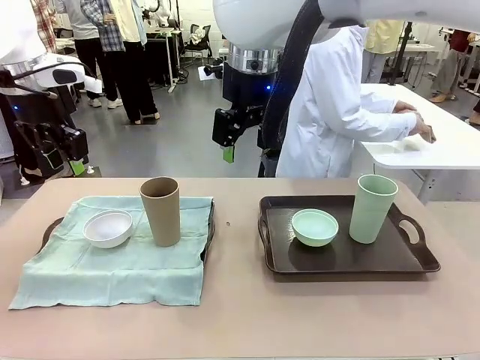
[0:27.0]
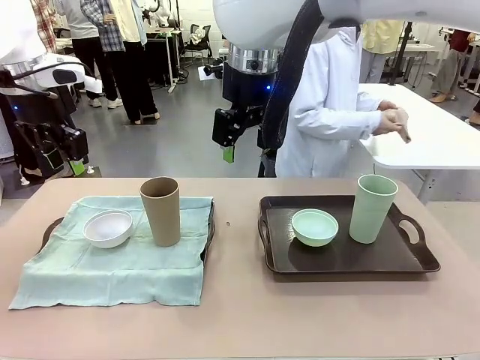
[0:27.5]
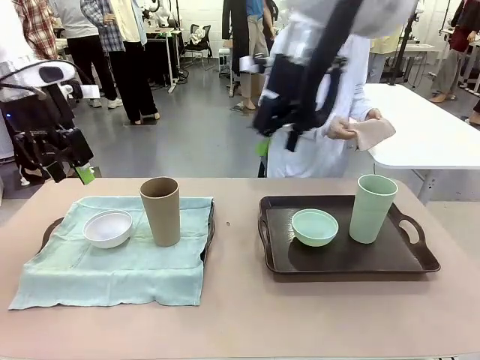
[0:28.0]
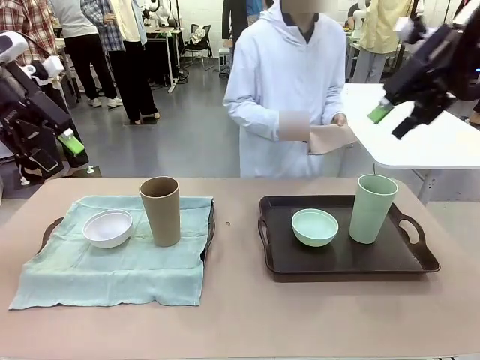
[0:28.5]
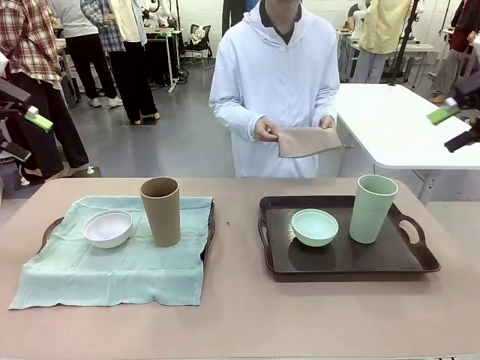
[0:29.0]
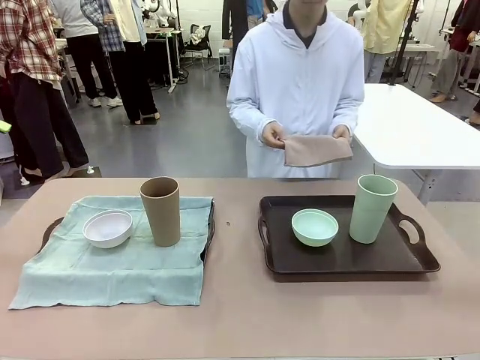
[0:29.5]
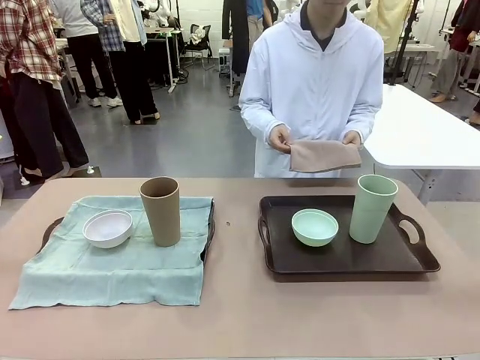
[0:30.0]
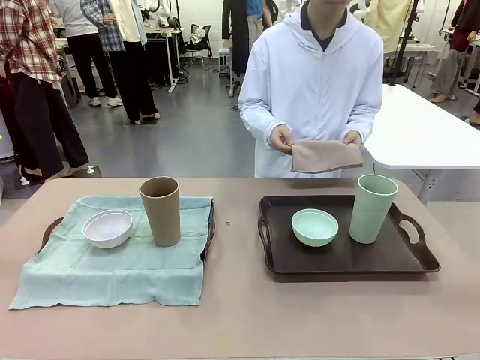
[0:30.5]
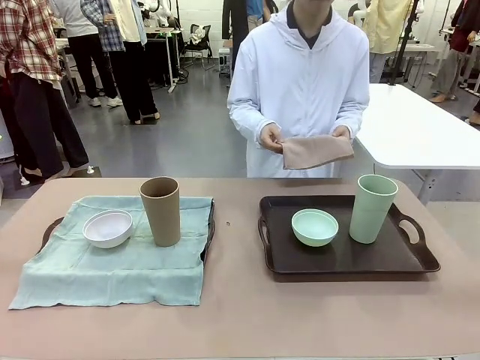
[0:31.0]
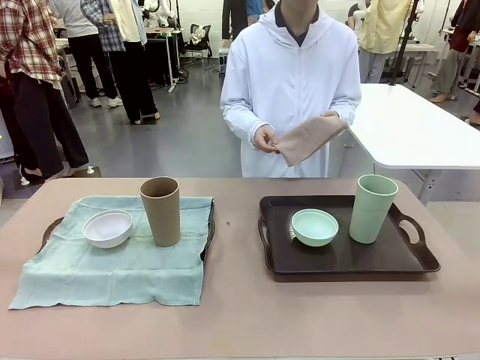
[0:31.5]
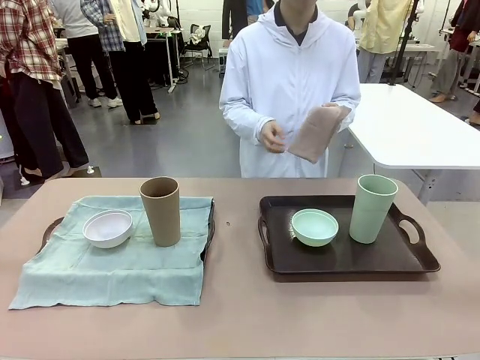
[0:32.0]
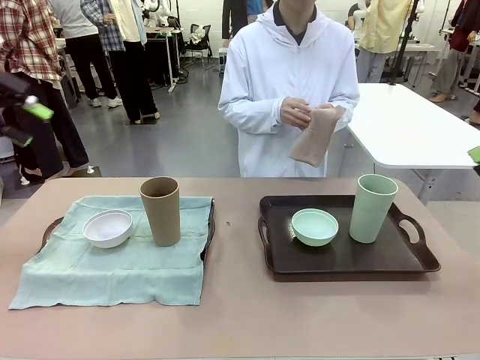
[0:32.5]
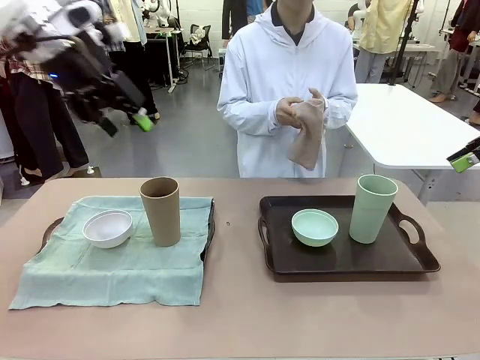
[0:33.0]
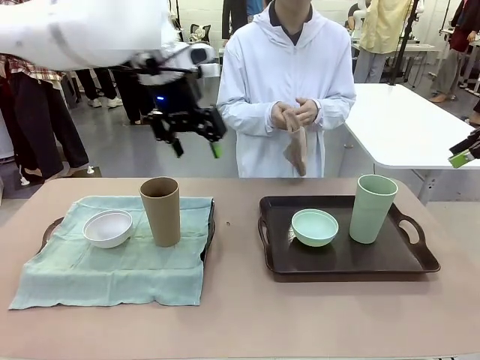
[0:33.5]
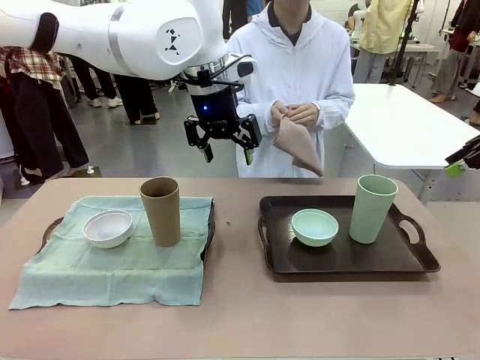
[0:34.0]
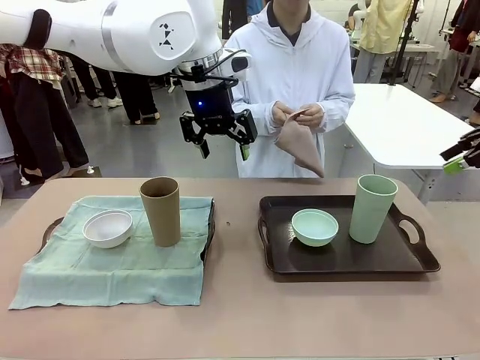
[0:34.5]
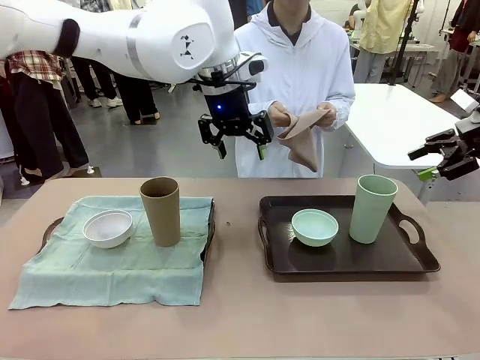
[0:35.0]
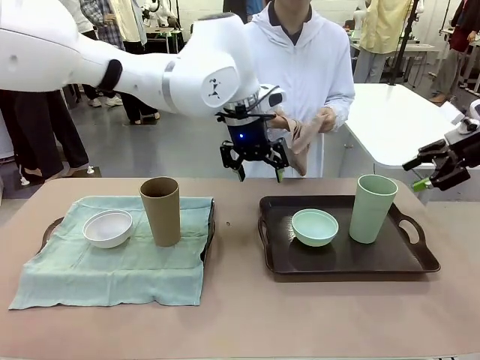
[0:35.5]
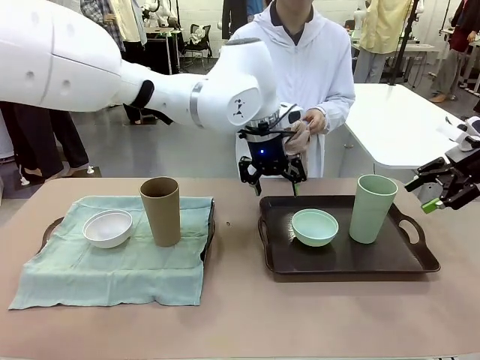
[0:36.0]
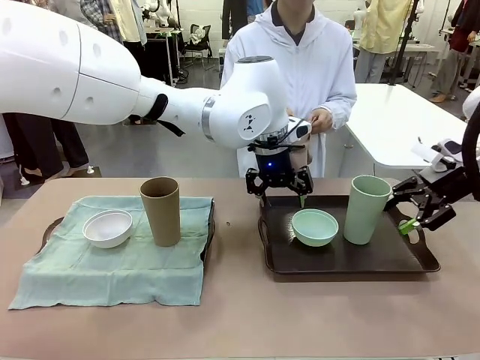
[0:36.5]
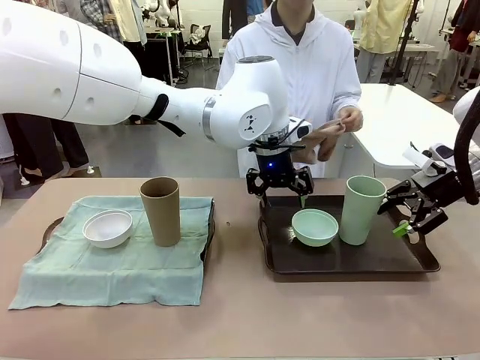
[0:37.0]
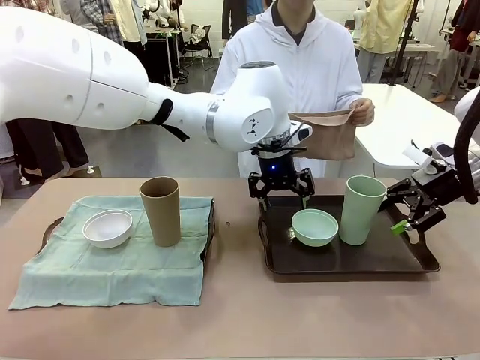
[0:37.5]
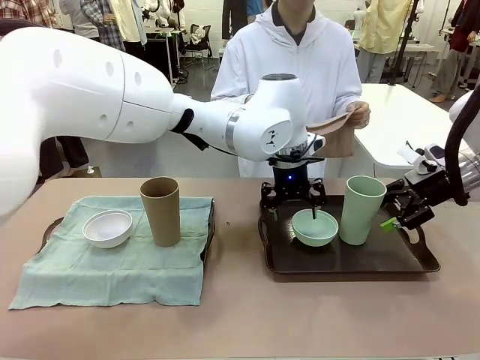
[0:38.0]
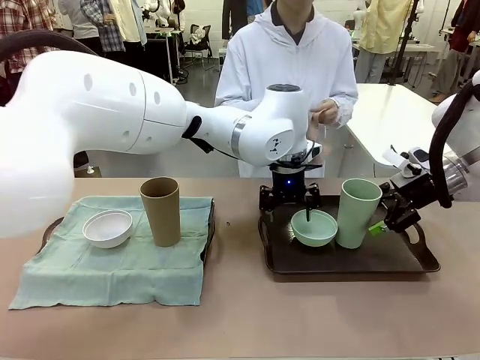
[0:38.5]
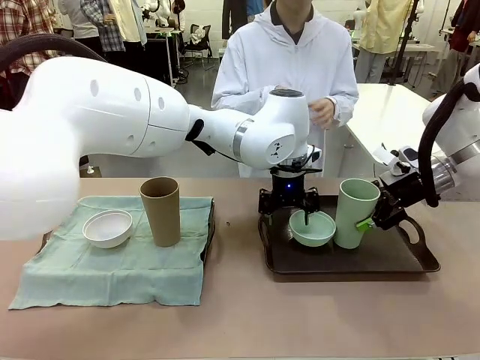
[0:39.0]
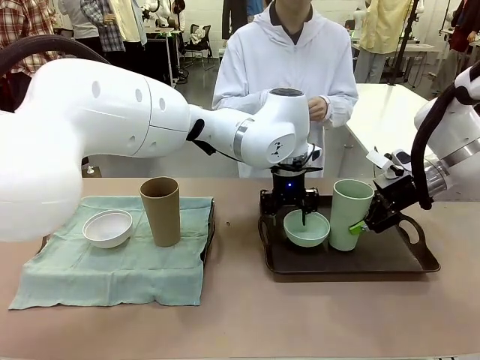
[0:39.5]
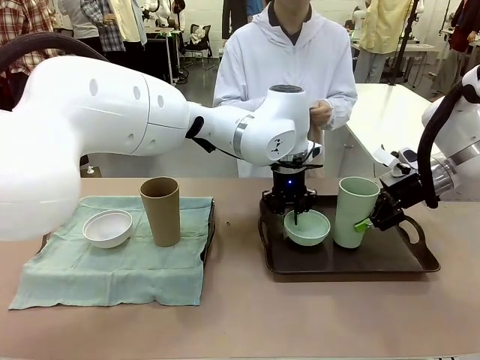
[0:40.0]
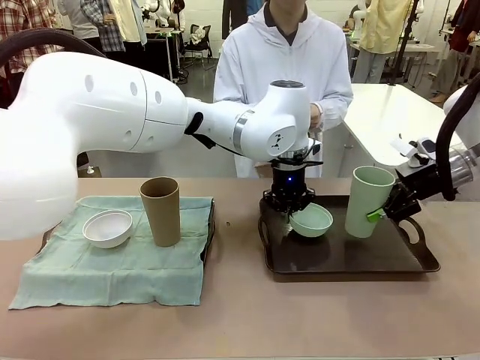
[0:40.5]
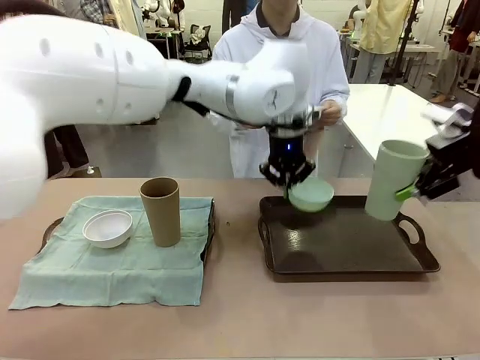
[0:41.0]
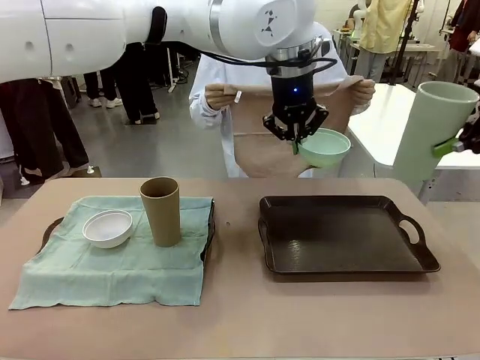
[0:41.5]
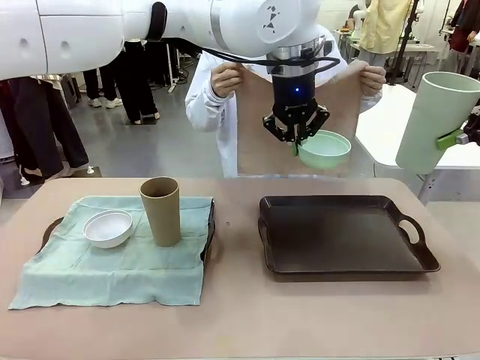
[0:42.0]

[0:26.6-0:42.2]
Robot: Pick up the Picnic Bowl and Reusable plastic cup from the Handle tray in front of the human's position and hold them in the air.

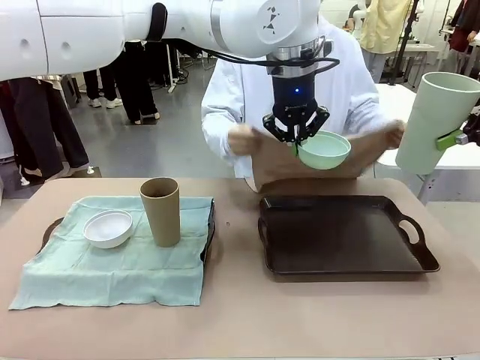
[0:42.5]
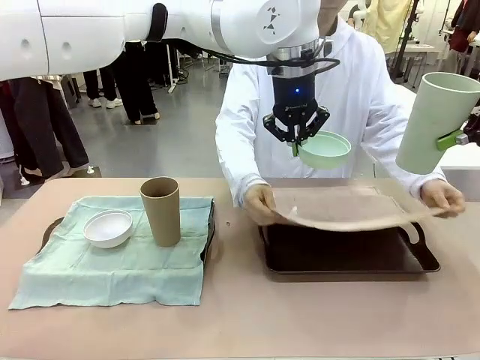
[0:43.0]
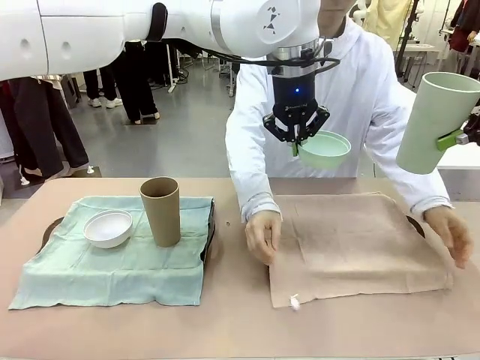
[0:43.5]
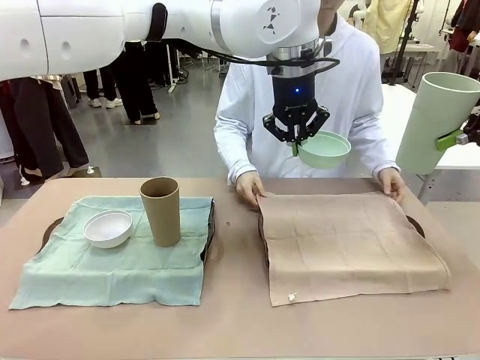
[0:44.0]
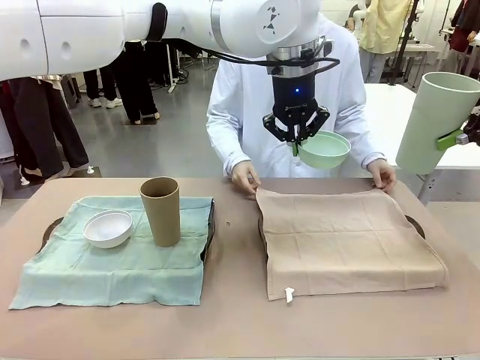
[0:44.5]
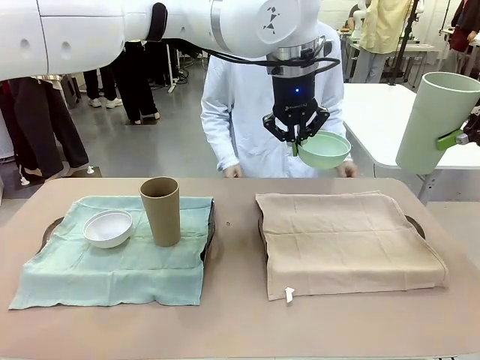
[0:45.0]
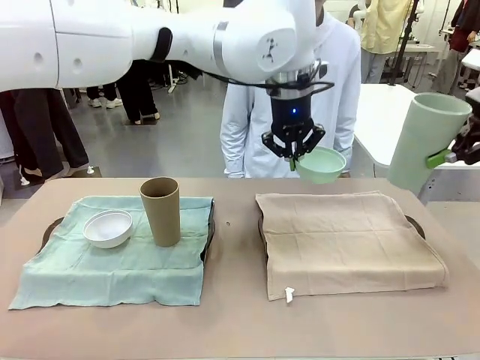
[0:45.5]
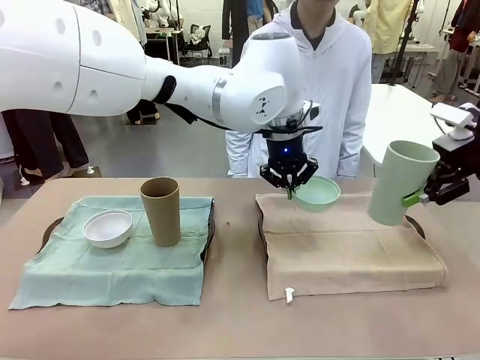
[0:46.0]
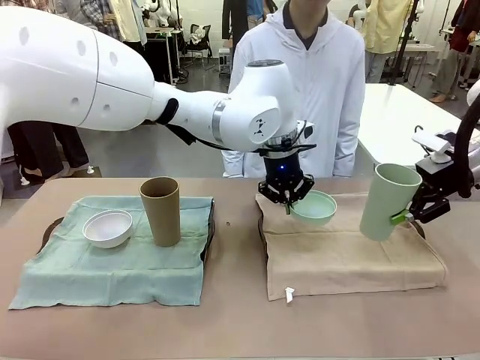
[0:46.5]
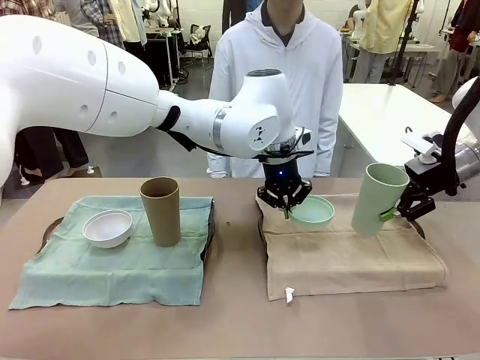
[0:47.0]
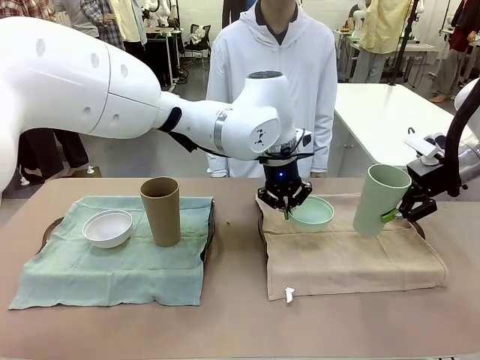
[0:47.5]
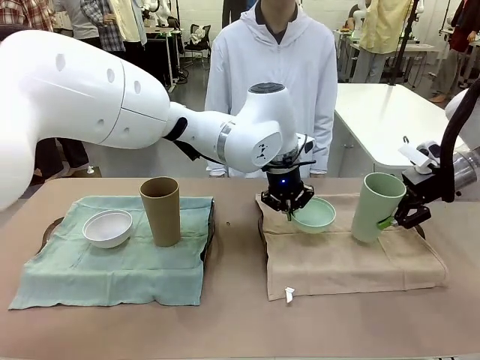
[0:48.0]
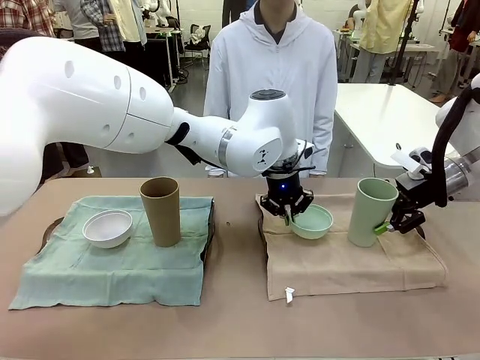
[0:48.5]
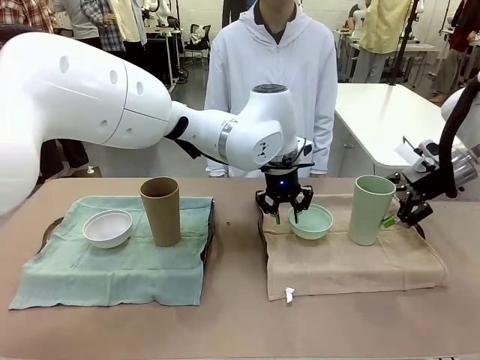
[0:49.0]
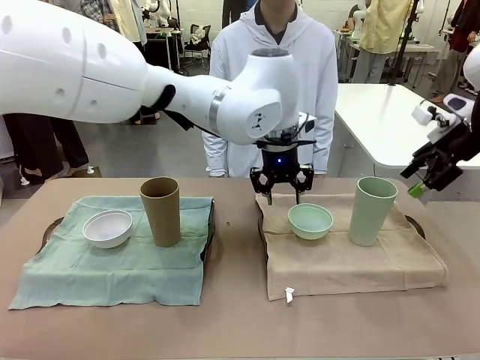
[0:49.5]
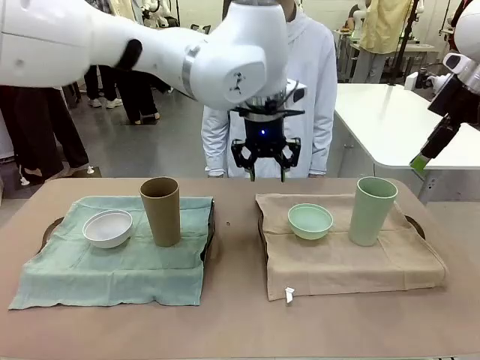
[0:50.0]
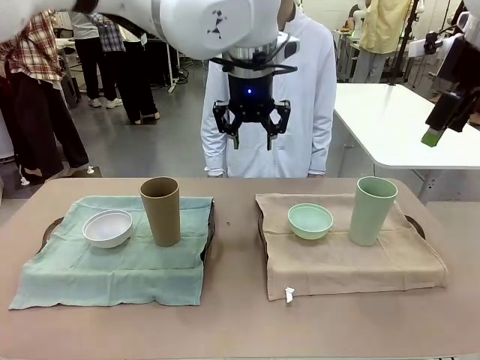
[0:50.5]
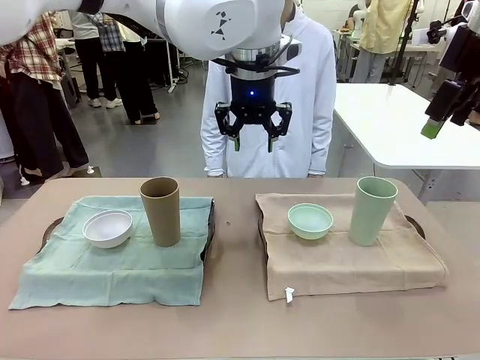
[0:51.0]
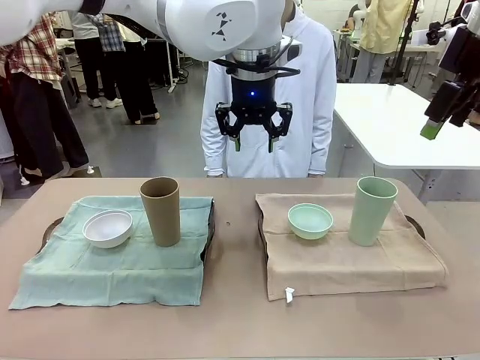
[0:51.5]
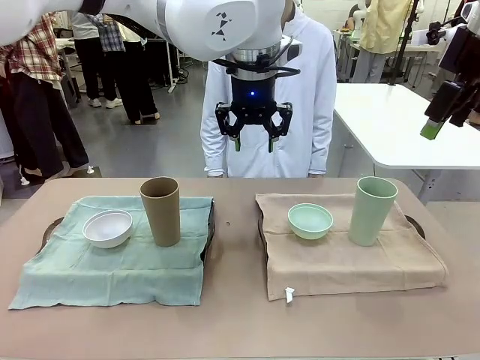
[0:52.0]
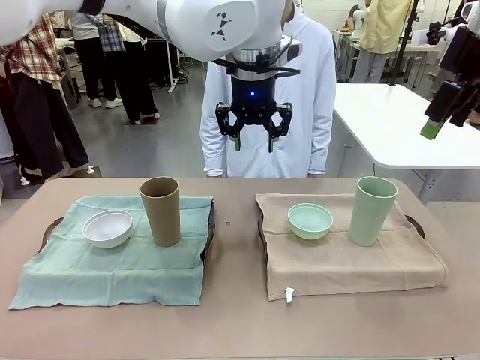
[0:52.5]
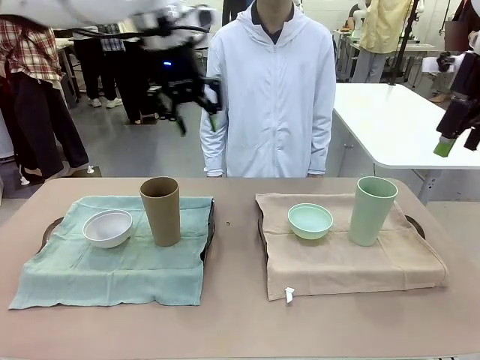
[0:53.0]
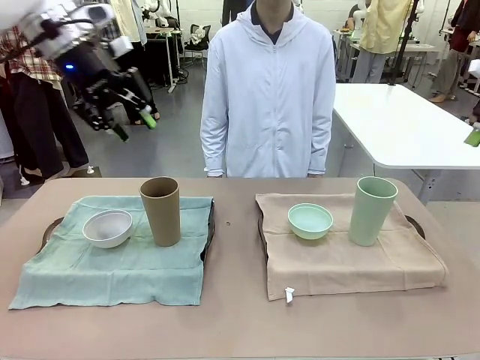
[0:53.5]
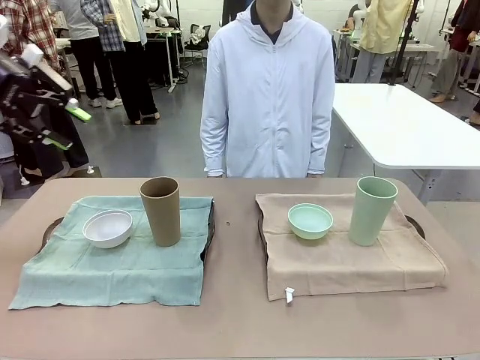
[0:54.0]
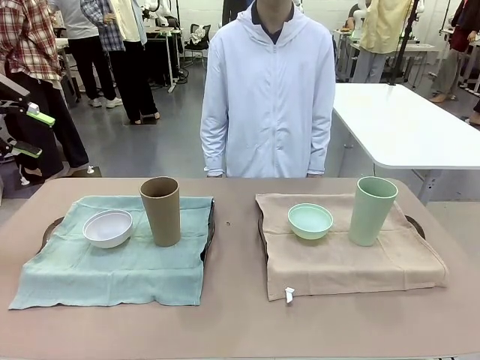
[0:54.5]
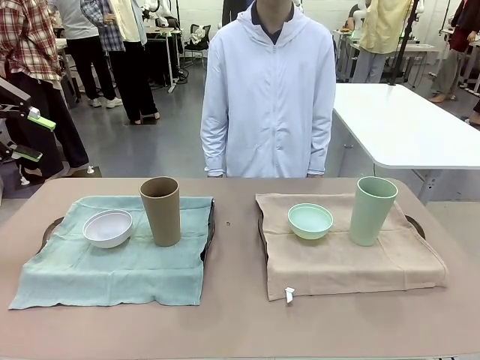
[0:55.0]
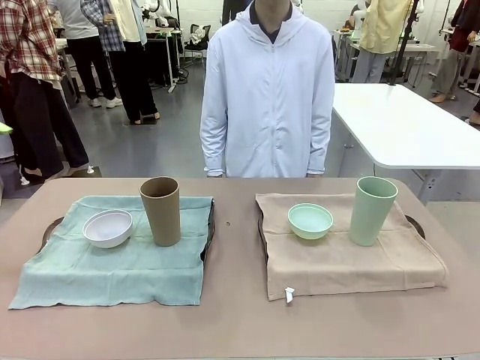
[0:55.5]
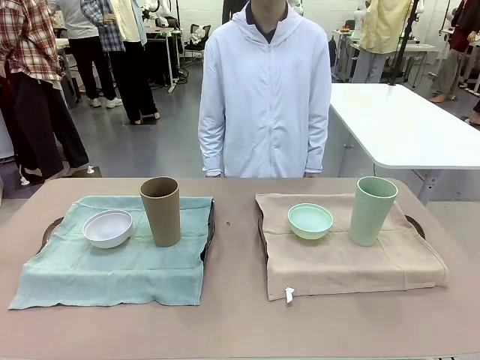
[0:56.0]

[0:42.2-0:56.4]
Robot: Place the Picnic Bowl and Reusable plastic cup back onto the Handle tray in front of the human's position.
Person: When the robot lifts the bowl and the cup, the human unfolds the napkin and lays the napkin flat on the tray.
